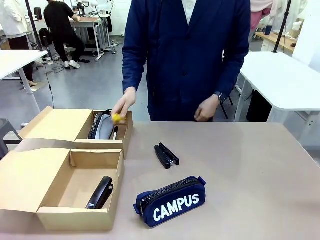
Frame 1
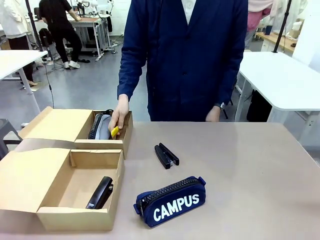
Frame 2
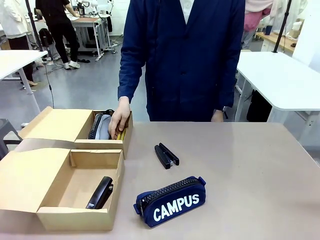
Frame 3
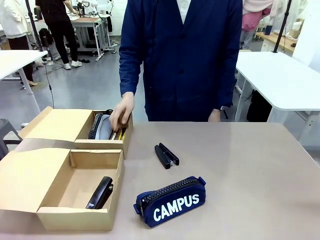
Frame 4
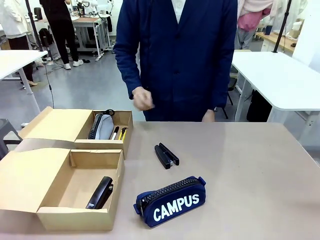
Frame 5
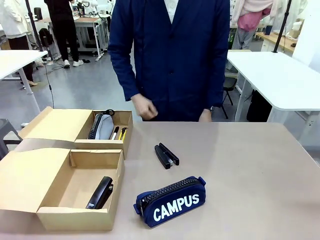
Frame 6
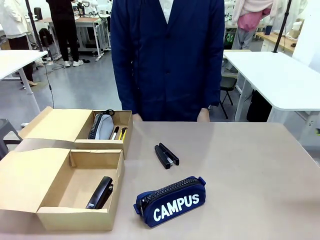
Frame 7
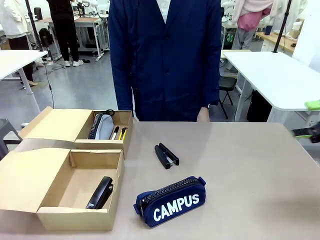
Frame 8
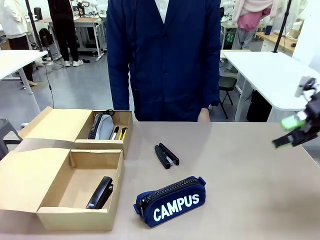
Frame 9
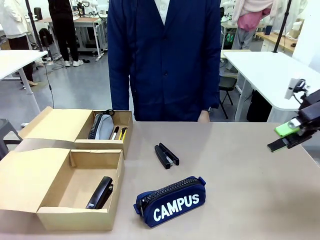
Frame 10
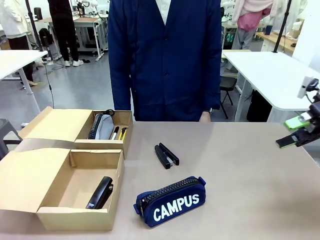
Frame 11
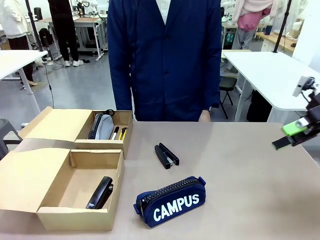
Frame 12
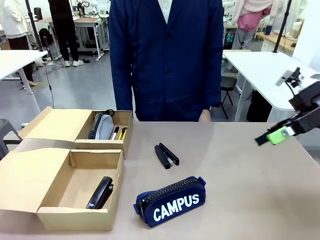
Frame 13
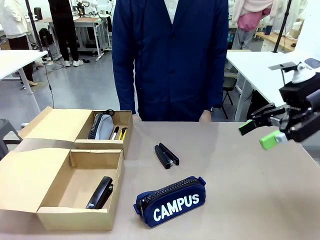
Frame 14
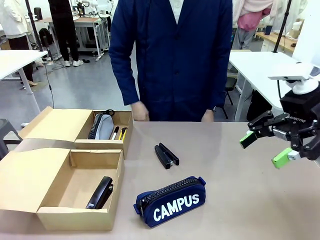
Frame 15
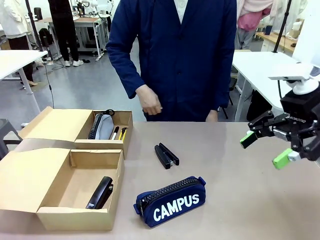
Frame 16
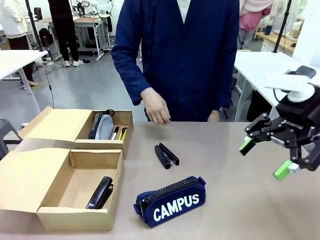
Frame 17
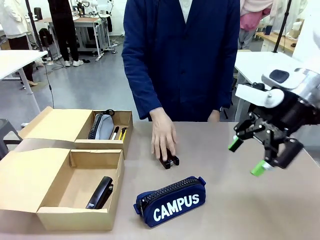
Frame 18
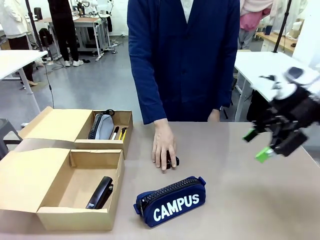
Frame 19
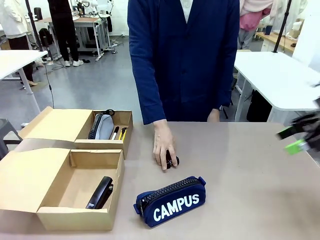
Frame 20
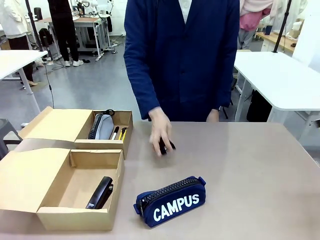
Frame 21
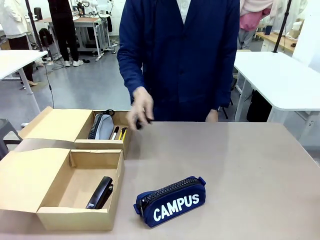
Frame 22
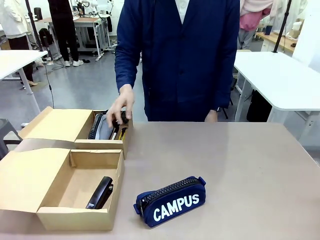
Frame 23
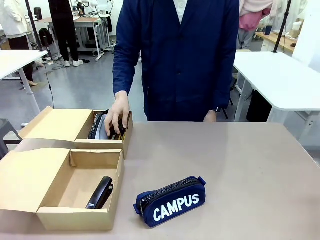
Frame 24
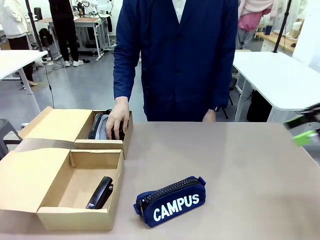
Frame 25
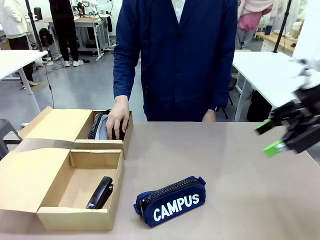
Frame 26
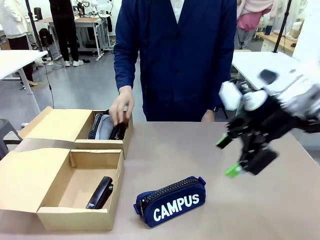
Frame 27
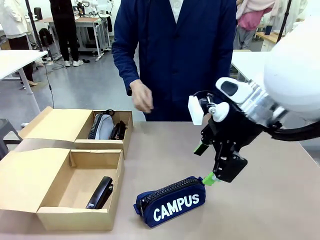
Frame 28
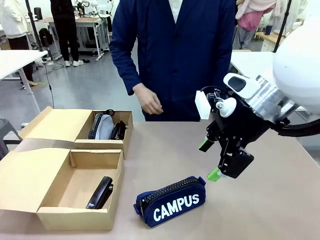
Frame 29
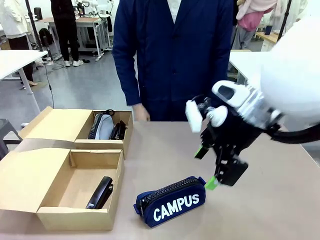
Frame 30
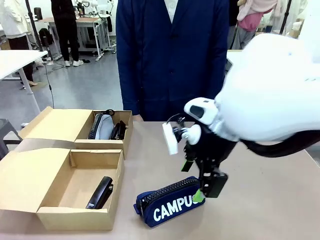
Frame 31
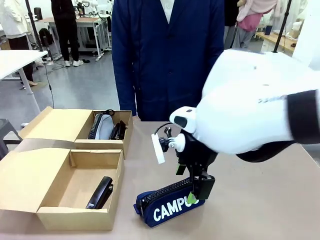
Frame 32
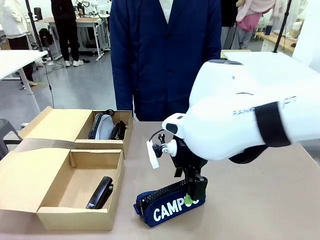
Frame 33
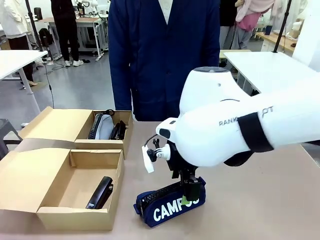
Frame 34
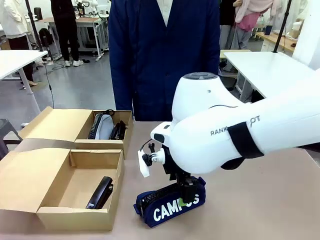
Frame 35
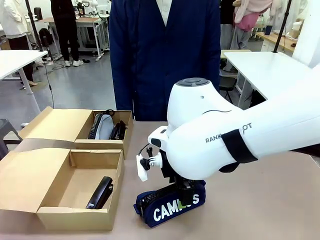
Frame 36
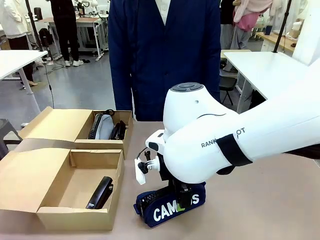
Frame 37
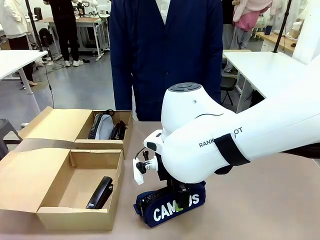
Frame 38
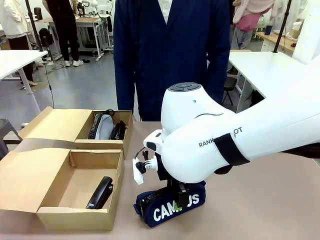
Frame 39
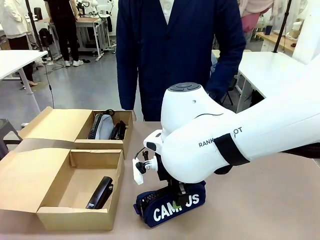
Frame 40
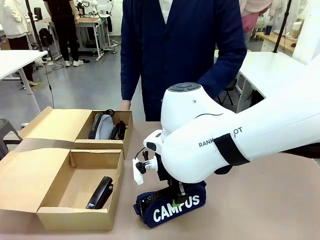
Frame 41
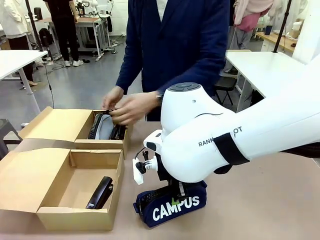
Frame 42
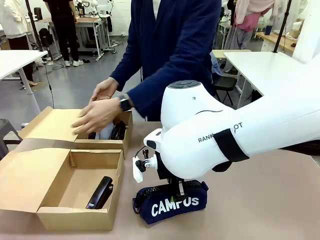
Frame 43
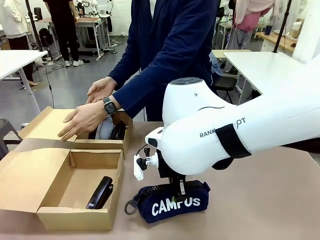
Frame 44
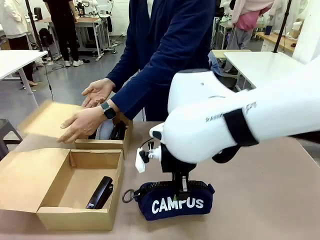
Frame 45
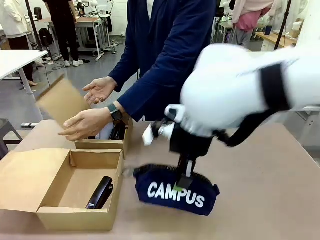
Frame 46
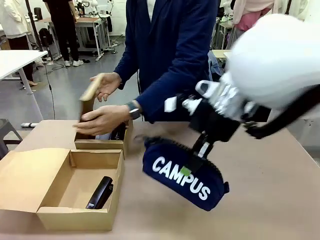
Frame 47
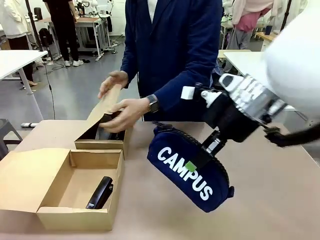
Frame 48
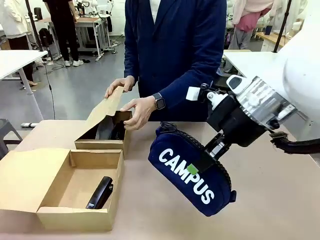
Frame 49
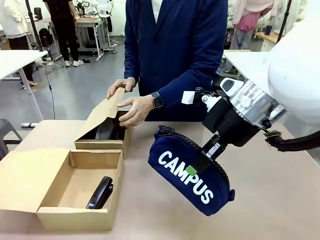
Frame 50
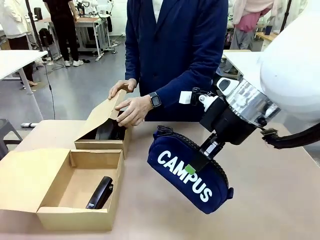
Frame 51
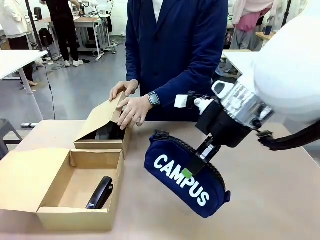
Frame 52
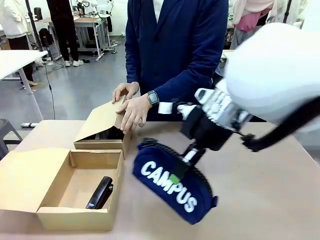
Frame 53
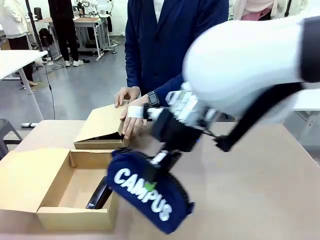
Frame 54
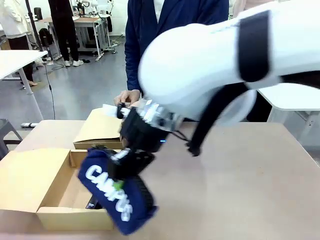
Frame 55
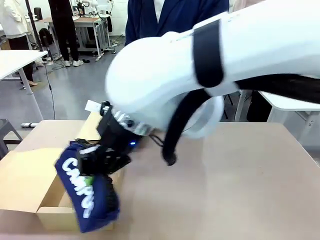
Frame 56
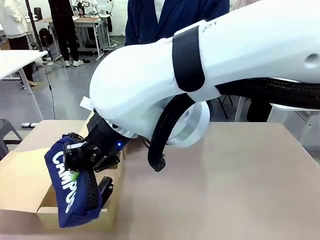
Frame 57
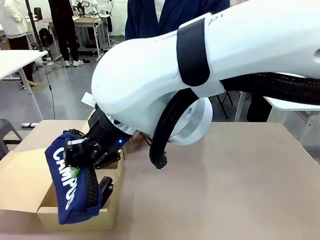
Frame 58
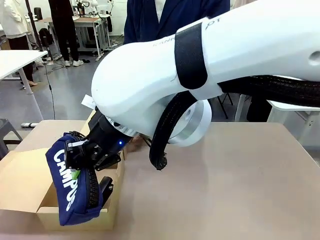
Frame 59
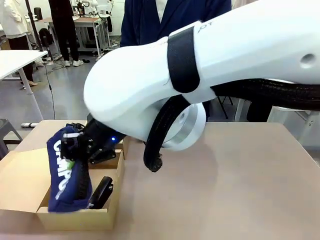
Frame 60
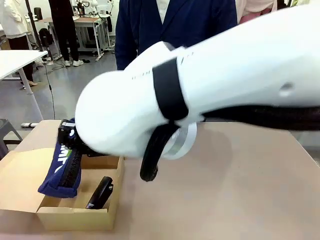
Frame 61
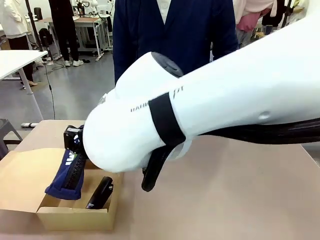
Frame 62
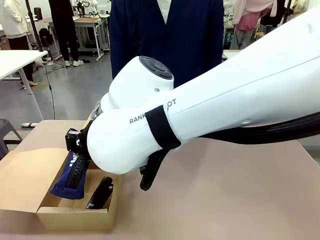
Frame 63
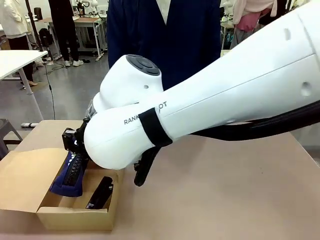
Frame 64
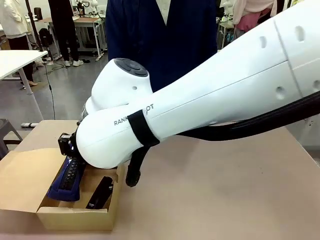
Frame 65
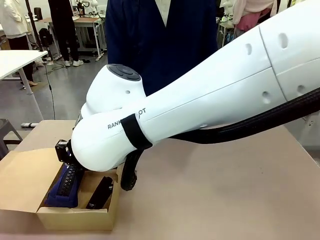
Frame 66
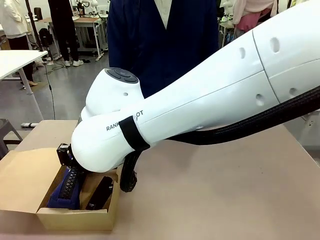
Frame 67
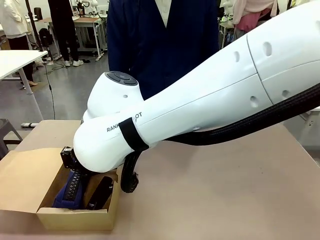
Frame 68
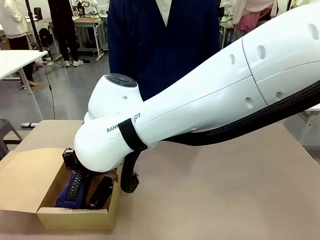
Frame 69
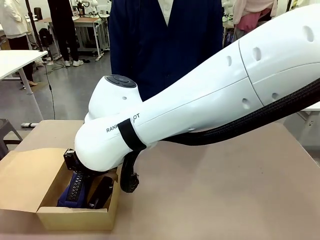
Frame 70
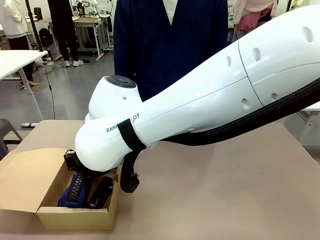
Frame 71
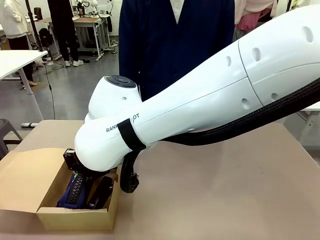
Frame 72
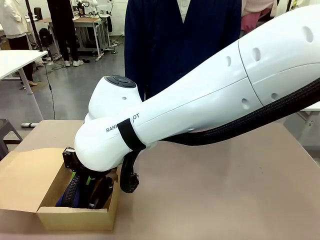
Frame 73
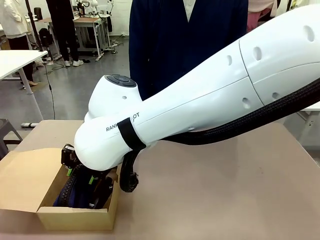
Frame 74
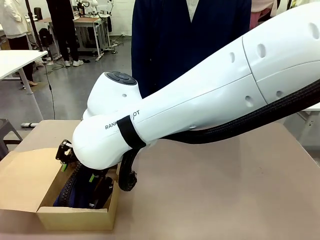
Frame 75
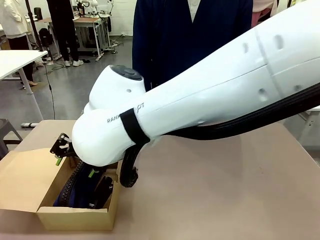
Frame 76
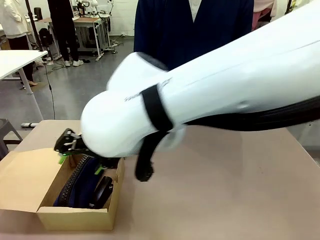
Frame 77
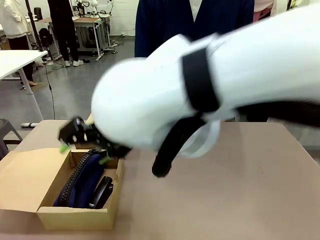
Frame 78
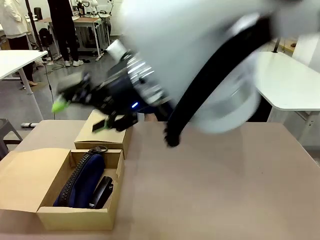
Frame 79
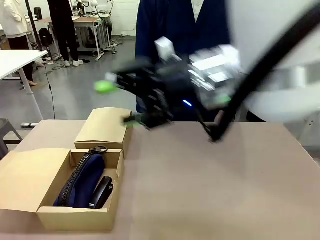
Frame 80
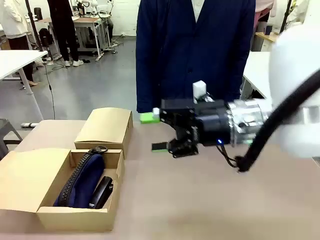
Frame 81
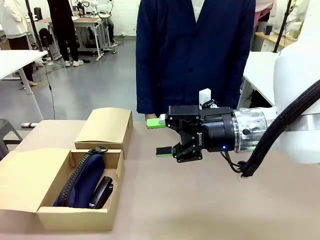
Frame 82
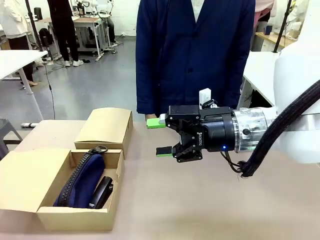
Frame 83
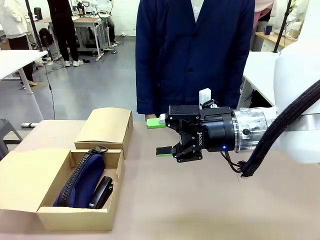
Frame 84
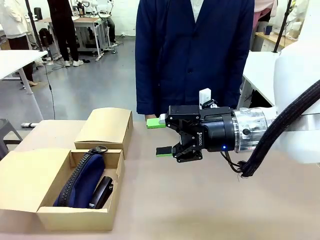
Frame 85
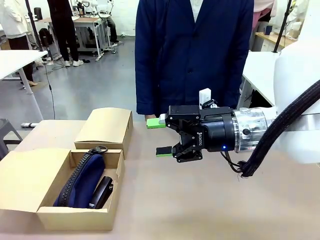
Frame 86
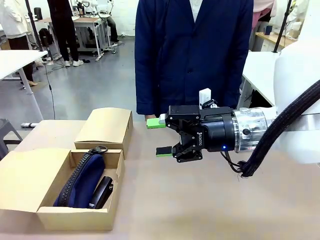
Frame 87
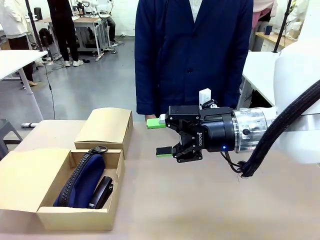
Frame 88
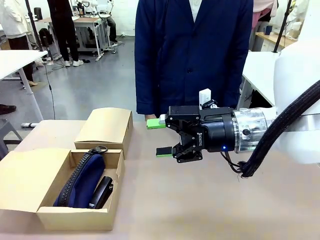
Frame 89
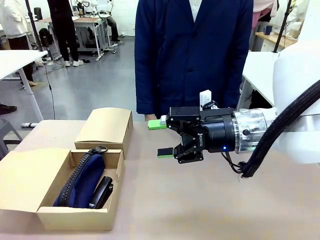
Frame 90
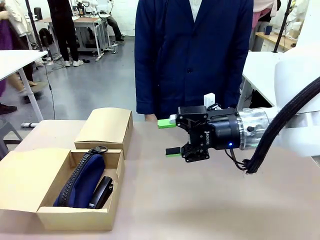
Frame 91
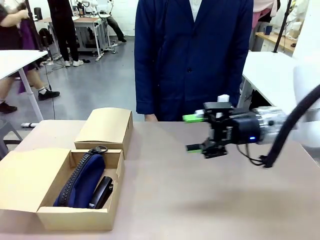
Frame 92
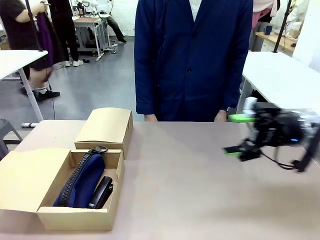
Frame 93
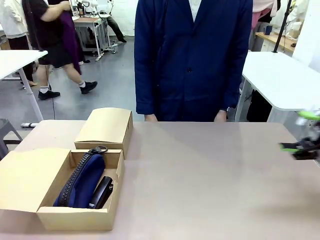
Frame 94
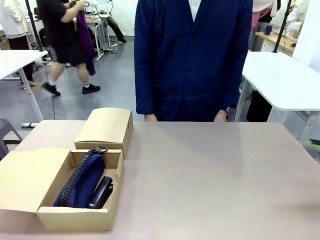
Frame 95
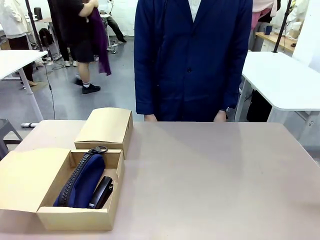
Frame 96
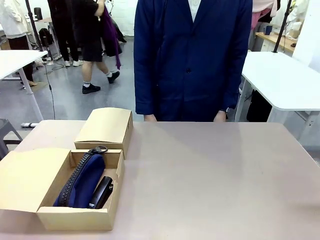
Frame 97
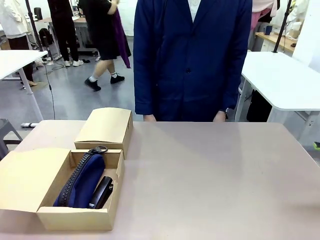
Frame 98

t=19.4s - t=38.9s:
Task: Place items inside the box.
Robot: Pick up a Pencil pouch or Stapler and place it inside the Mailer Box closest to the robot.
Person: Close the lid of the box facing the person.
